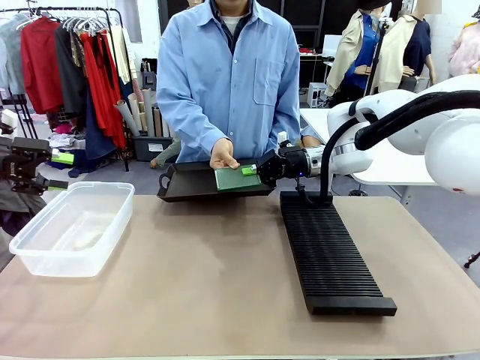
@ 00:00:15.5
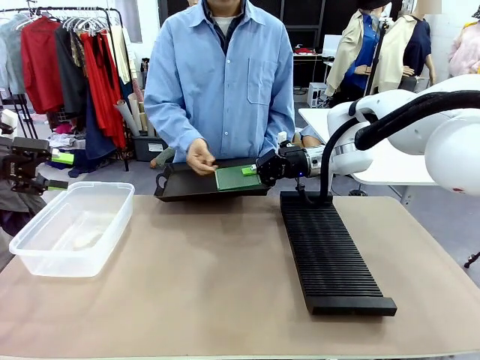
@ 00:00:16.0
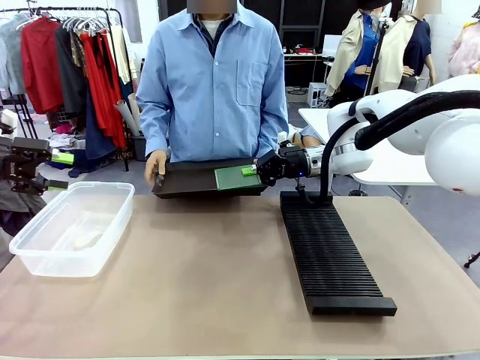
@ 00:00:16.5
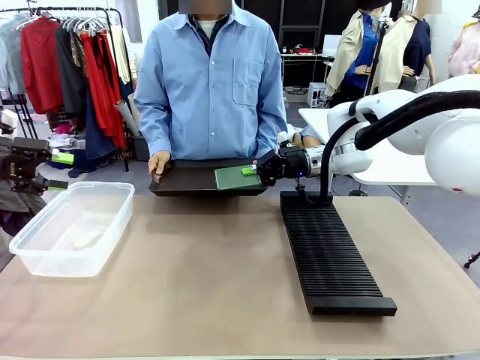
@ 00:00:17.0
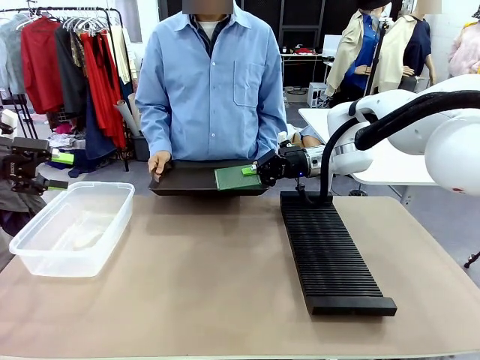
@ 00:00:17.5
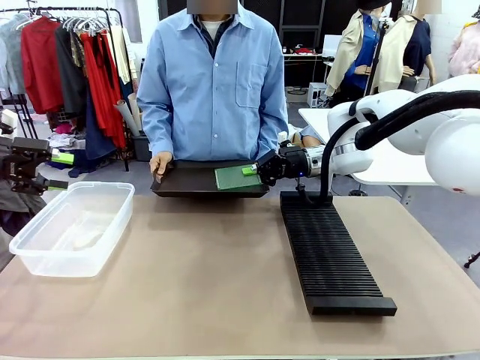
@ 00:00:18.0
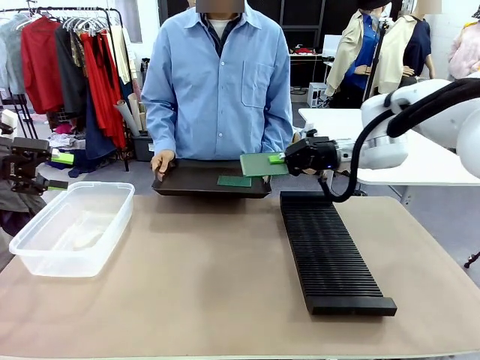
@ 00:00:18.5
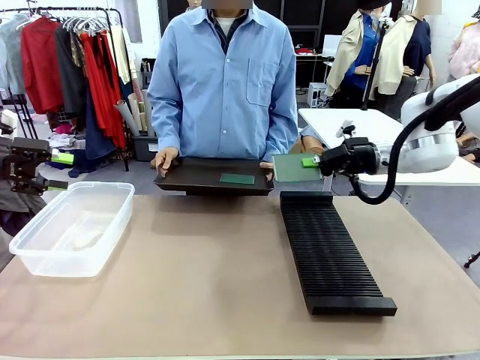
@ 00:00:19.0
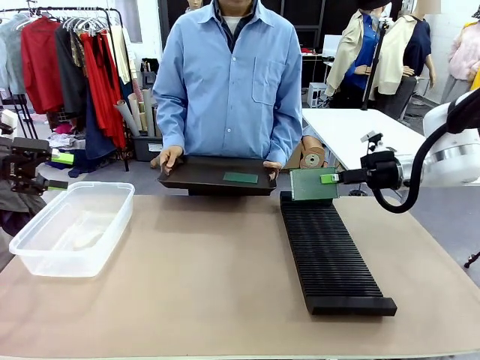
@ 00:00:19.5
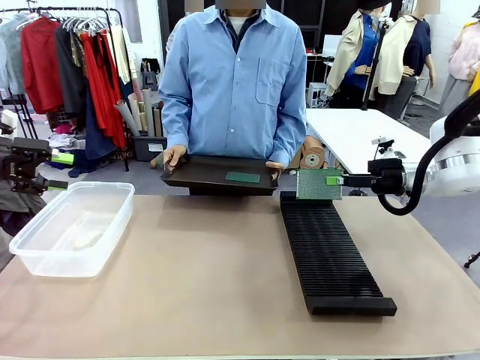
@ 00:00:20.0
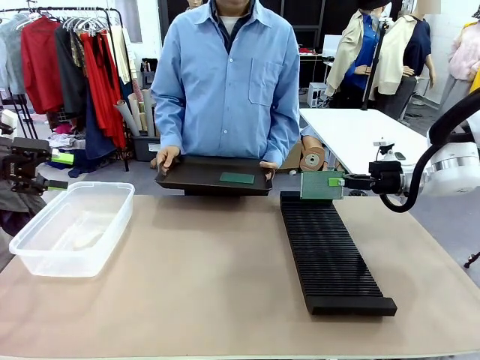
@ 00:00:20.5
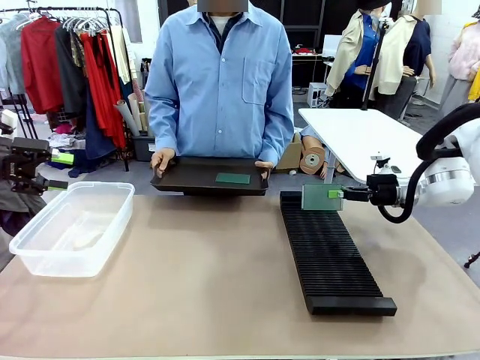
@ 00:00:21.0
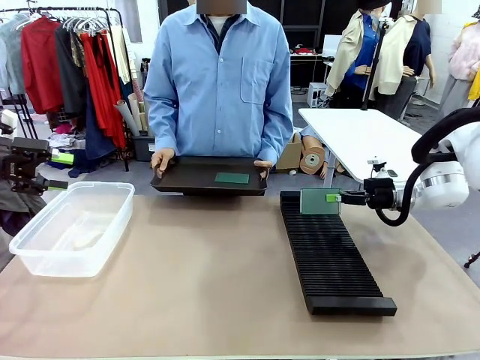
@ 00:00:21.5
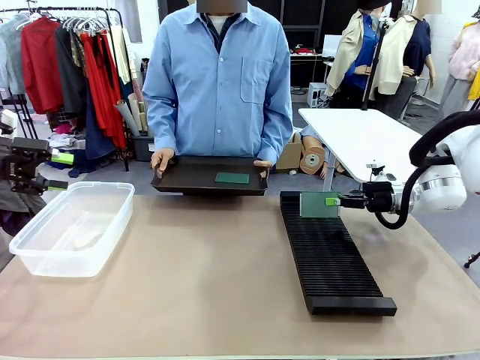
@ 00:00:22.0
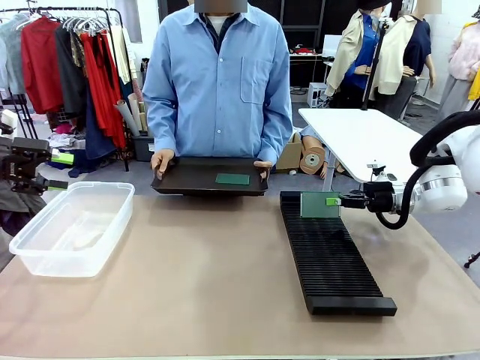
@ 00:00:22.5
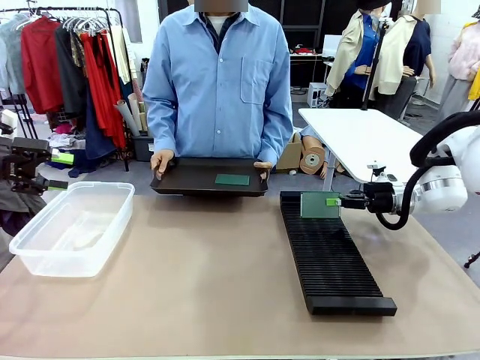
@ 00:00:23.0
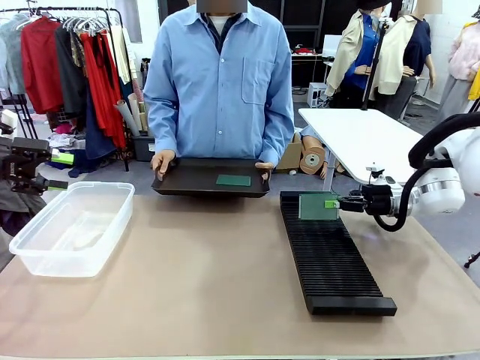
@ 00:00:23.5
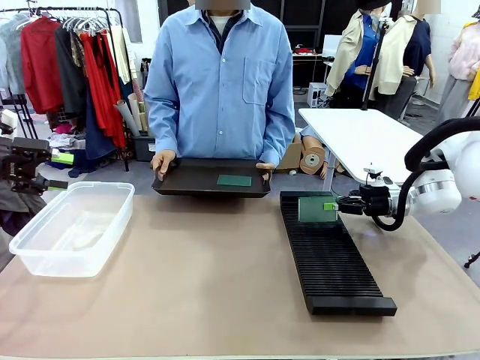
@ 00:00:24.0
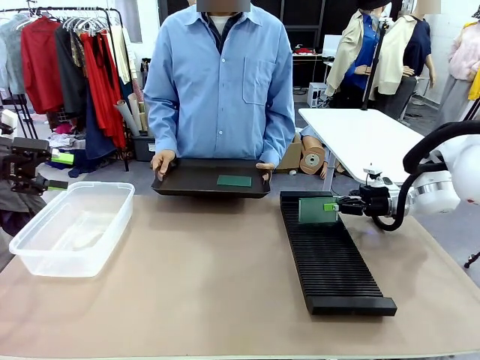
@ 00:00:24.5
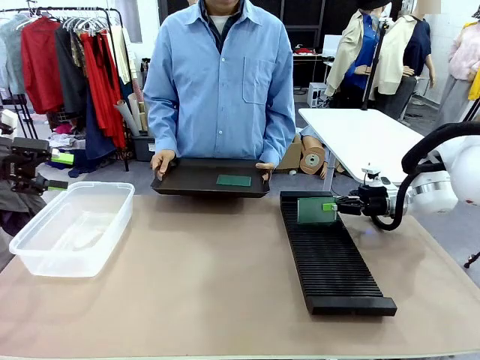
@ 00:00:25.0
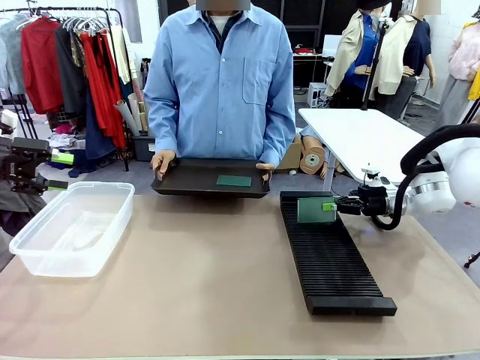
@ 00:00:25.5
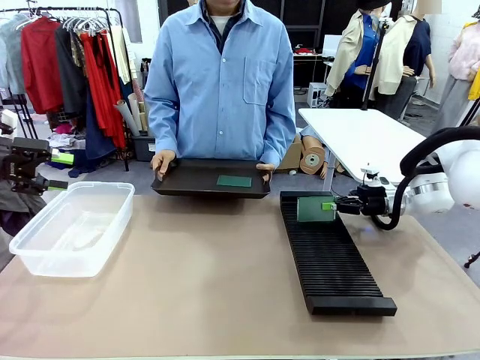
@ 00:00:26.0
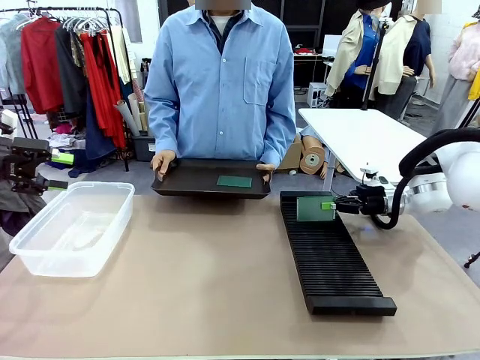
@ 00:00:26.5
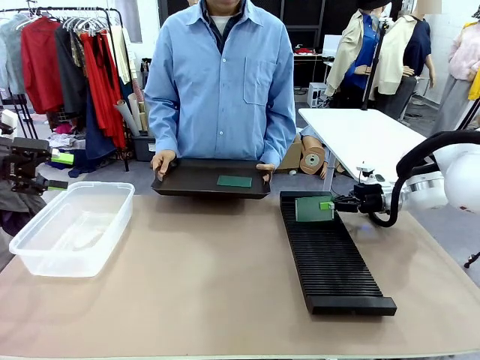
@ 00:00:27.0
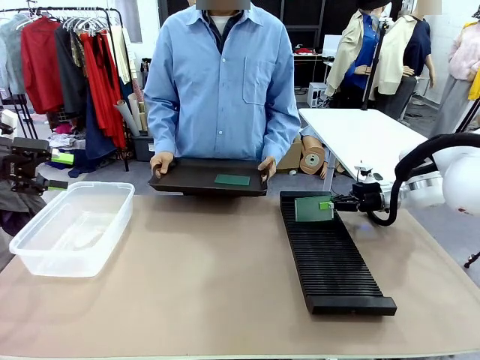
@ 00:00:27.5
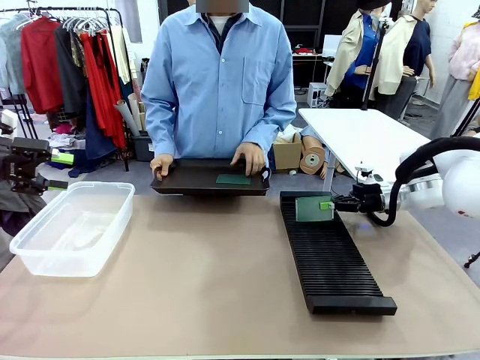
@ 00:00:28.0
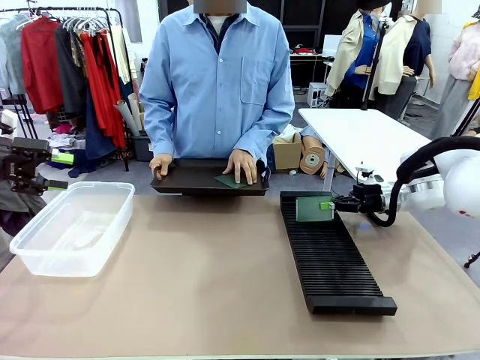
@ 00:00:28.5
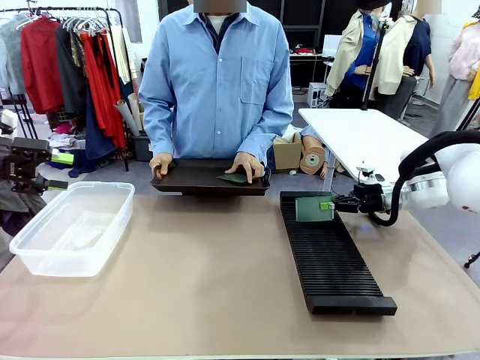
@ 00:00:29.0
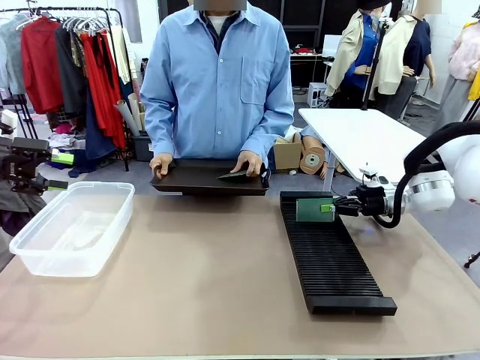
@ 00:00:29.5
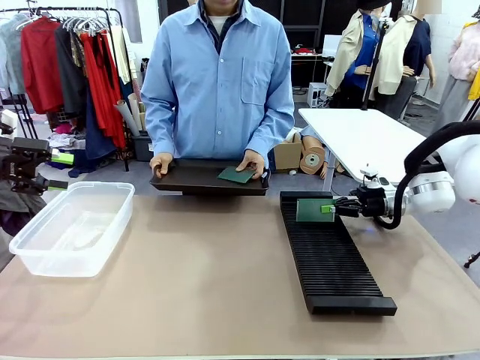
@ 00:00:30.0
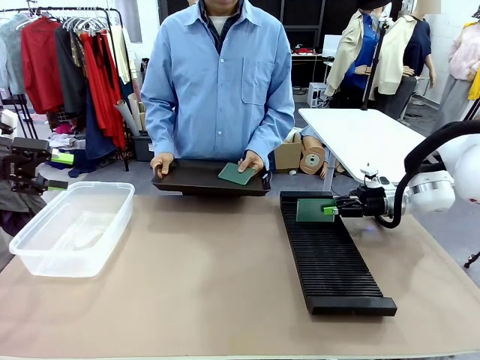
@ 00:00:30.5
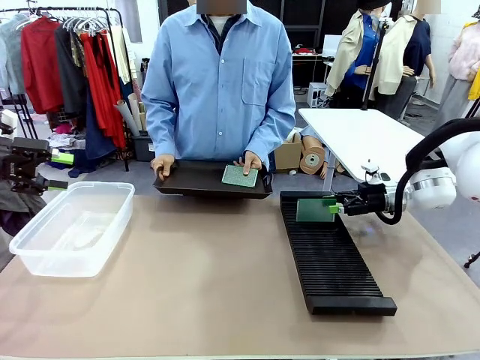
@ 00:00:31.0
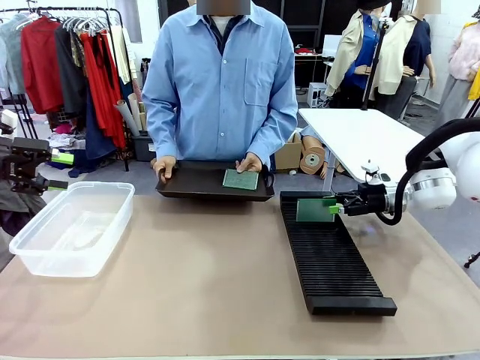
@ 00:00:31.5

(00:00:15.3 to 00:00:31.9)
Task: Sort PCBs into racks and boxes based on the side picked up.
Robot: If the short side of the Blank PCB is picked up, insert it into the PCB Rack ; if the long side is picked up, place it in the Organizing box.
Person: Pick one PCB from the tray and present it to the robot.

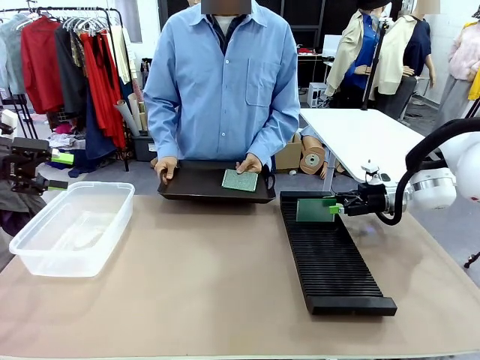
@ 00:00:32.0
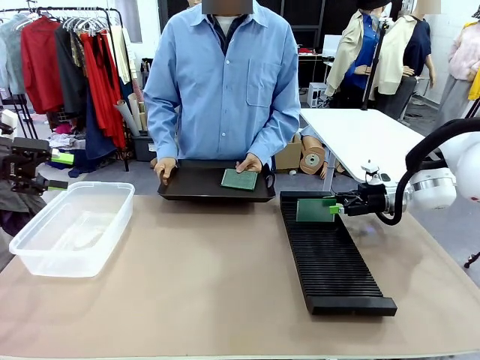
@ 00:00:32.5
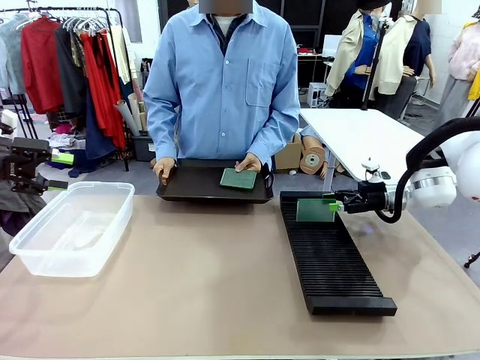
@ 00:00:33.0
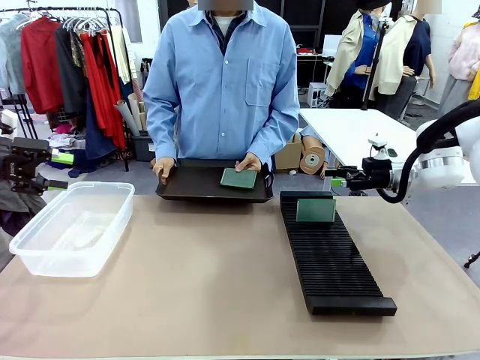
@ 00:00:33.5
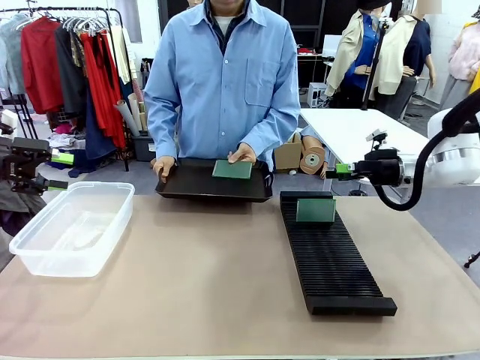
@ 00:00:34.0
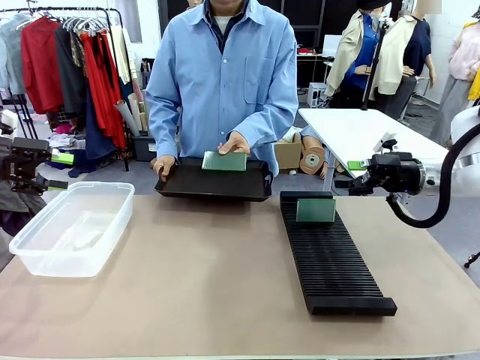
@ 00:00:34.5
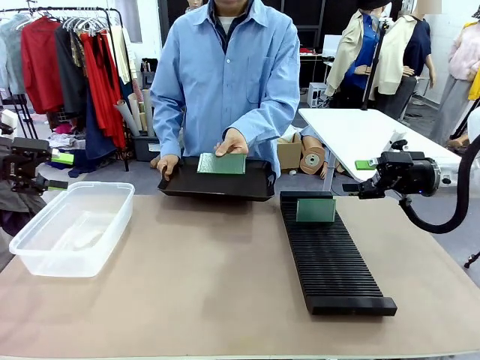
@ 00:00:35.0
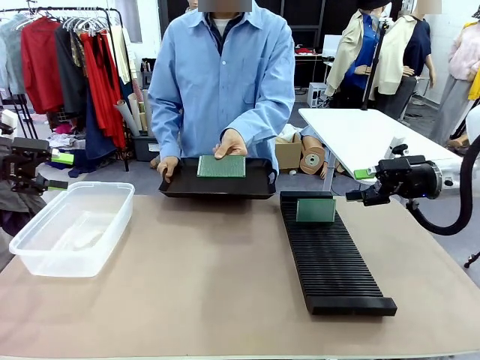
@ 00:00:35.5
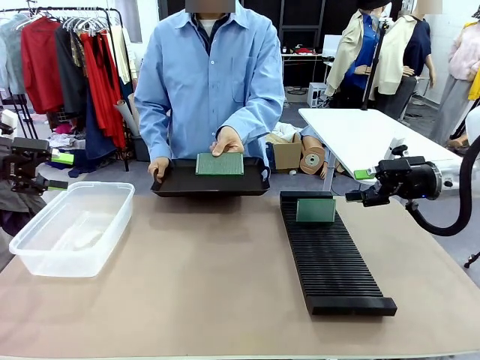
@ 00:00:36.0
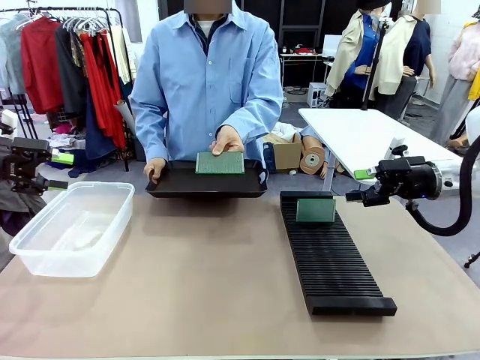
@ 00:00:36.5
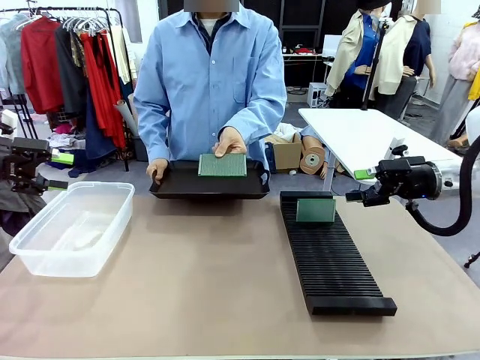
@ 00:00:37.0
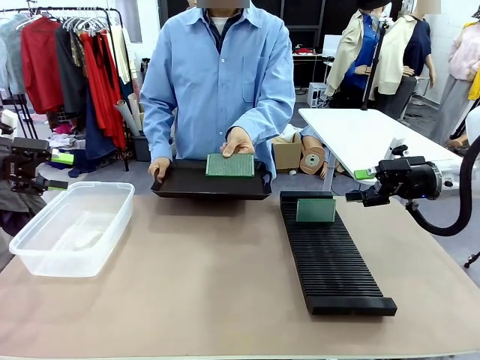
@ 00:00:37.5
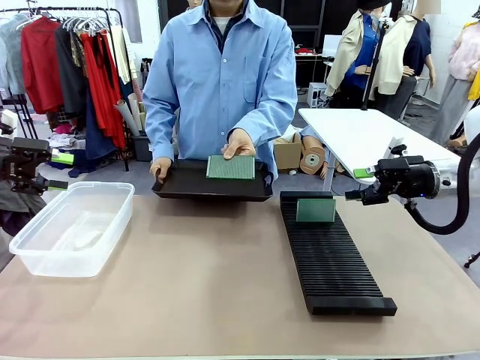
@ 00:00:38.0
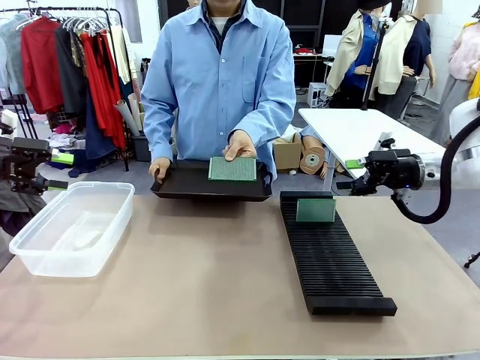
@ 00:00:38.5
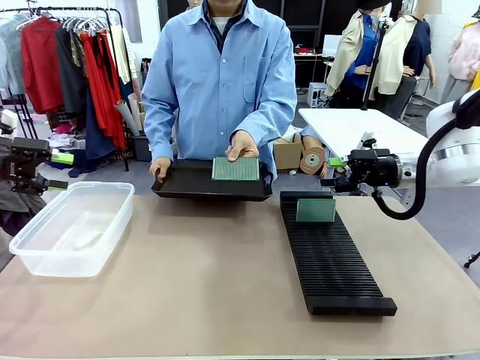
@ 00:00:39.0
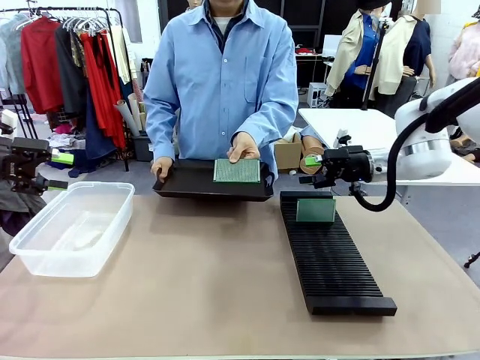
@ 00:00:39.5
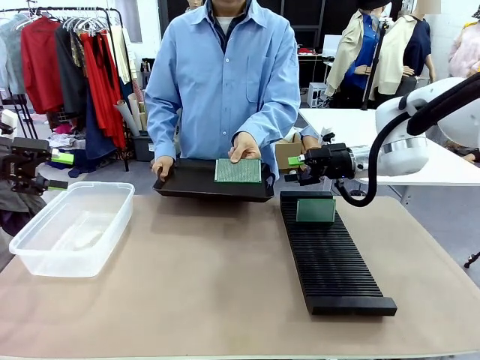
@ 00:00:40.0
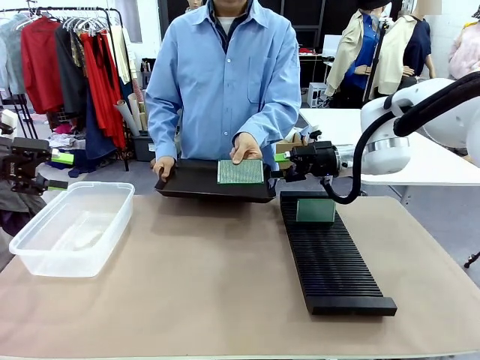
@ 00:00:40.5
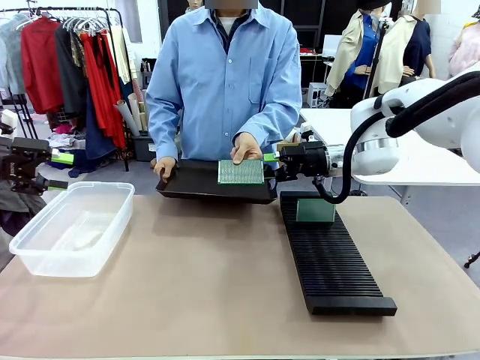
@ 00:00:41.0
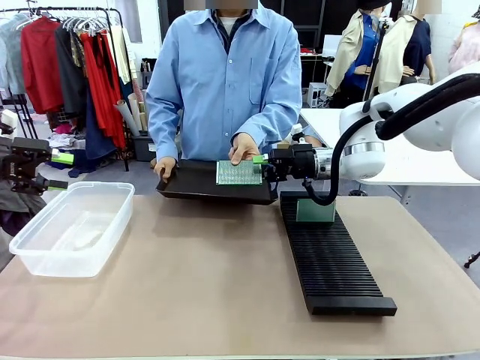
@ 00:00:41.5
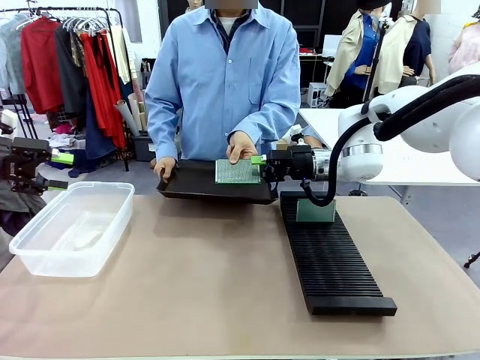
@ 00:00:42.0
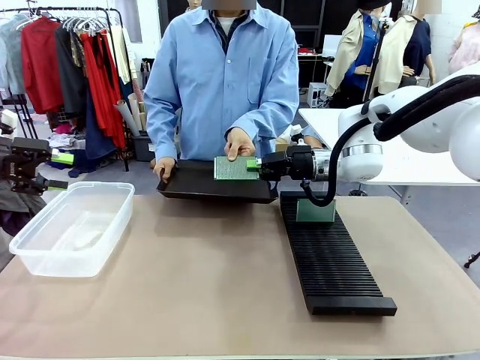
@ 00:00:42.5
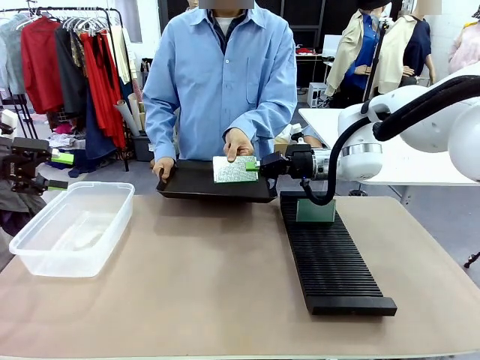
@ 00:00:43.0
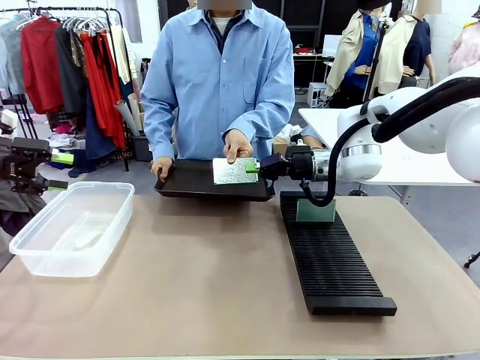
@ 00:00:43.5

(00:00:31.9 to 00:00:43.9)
Robot: Pick up the Blank PCB handed by the Human.
